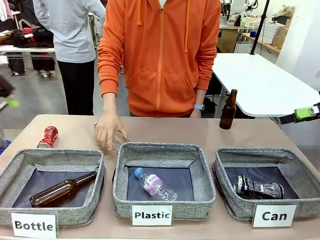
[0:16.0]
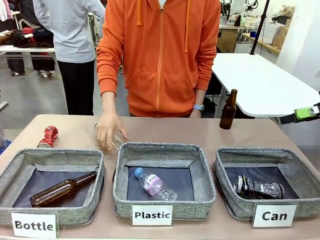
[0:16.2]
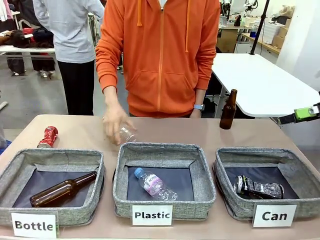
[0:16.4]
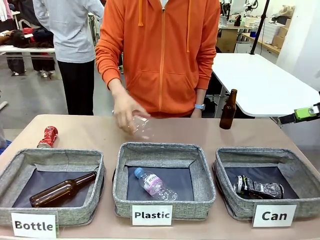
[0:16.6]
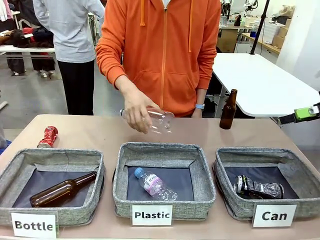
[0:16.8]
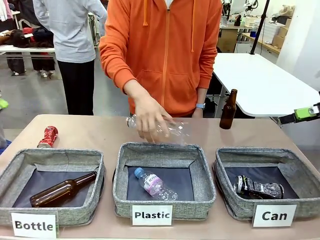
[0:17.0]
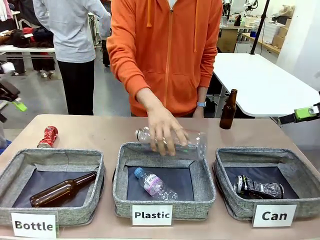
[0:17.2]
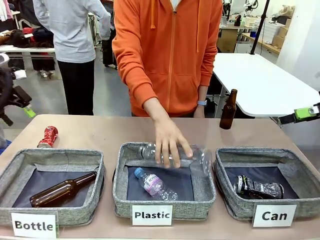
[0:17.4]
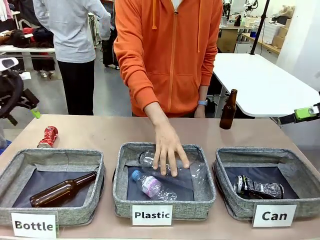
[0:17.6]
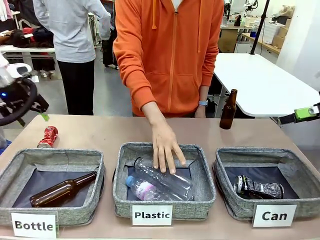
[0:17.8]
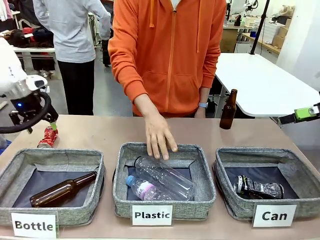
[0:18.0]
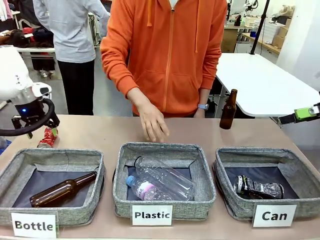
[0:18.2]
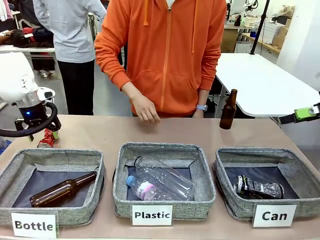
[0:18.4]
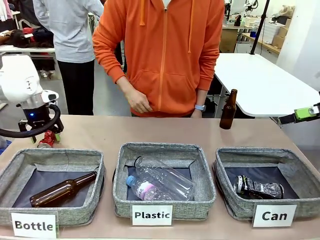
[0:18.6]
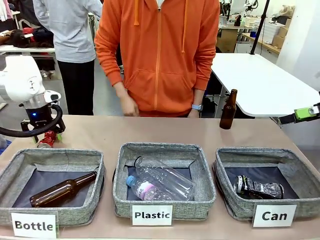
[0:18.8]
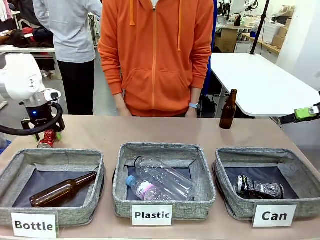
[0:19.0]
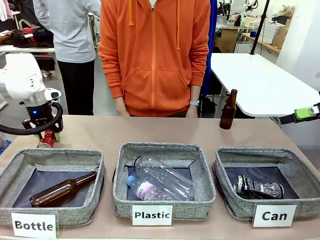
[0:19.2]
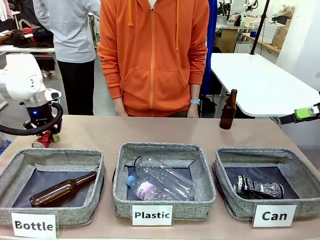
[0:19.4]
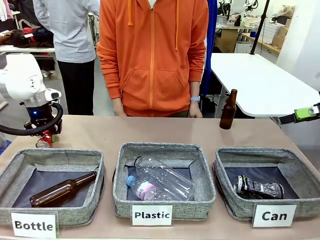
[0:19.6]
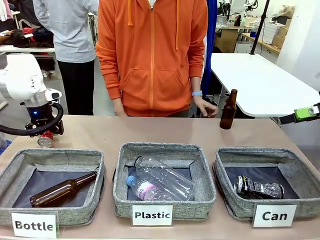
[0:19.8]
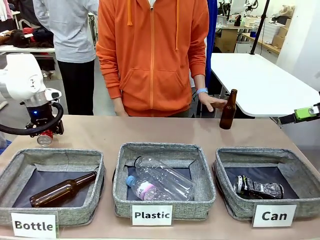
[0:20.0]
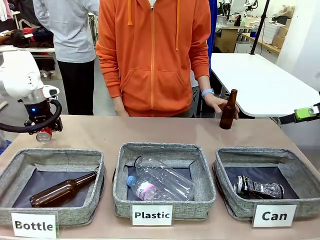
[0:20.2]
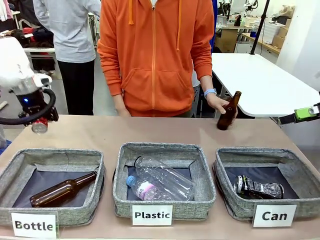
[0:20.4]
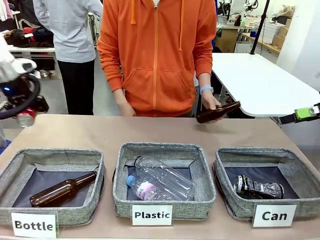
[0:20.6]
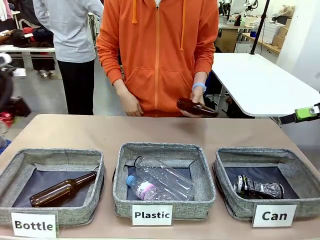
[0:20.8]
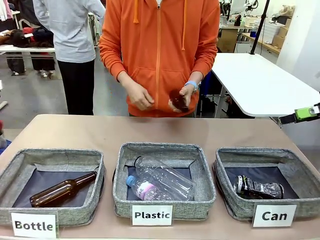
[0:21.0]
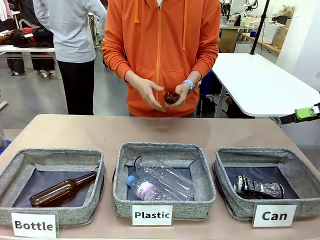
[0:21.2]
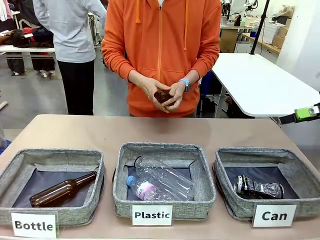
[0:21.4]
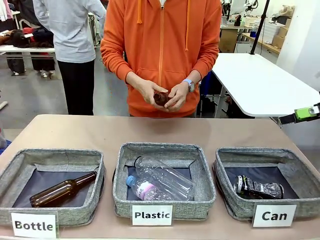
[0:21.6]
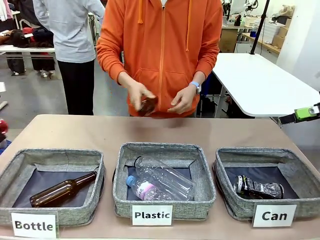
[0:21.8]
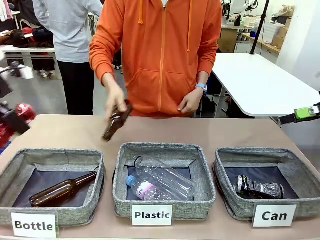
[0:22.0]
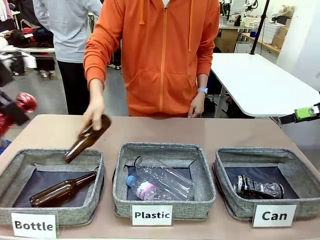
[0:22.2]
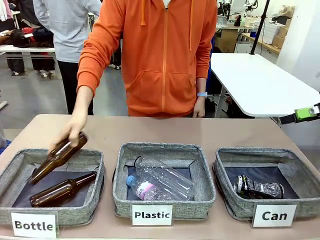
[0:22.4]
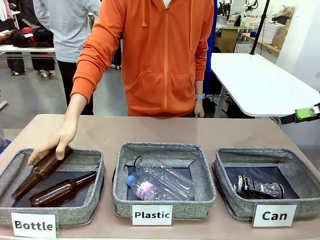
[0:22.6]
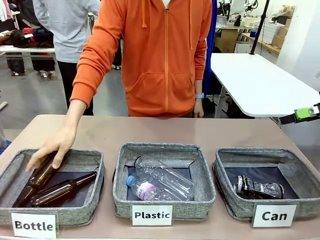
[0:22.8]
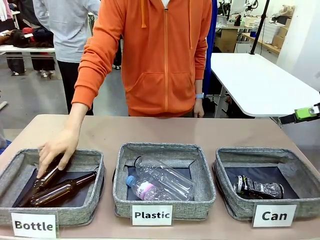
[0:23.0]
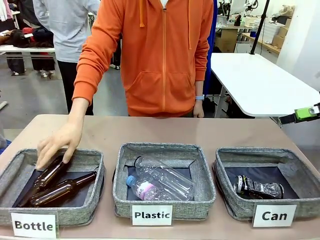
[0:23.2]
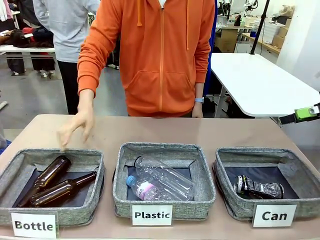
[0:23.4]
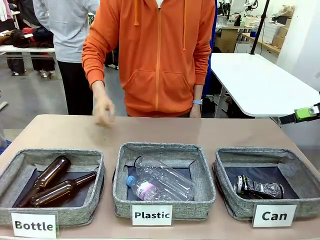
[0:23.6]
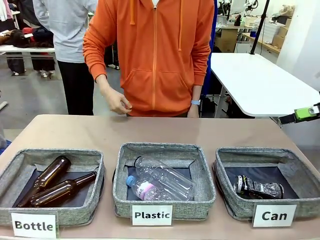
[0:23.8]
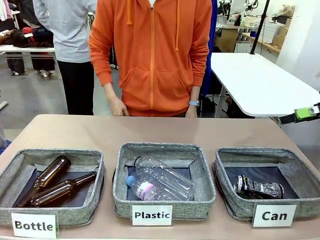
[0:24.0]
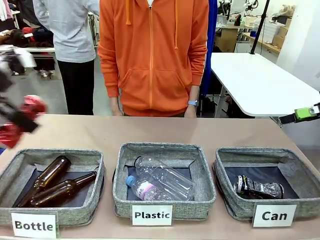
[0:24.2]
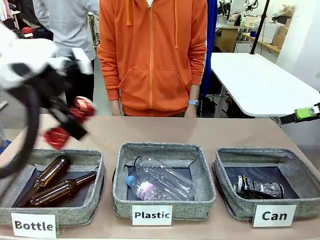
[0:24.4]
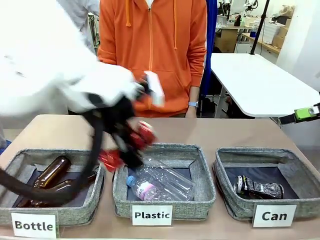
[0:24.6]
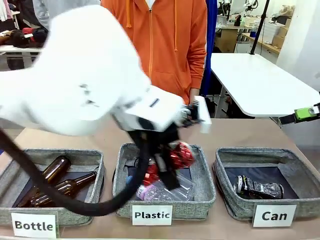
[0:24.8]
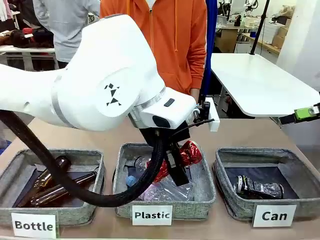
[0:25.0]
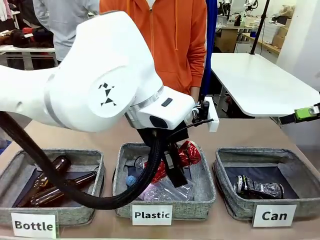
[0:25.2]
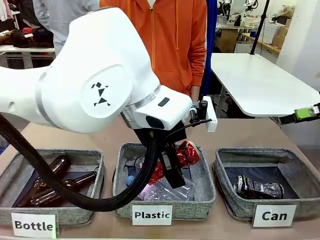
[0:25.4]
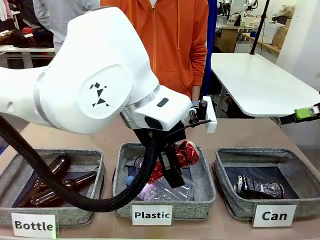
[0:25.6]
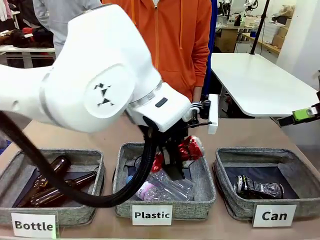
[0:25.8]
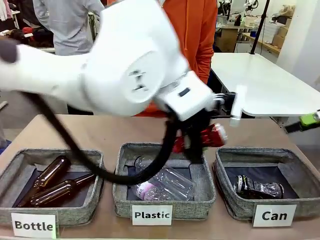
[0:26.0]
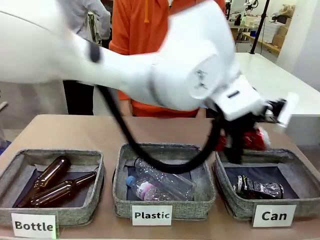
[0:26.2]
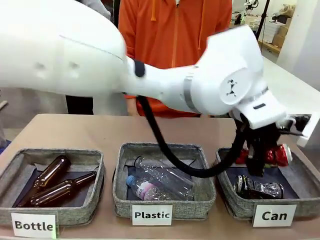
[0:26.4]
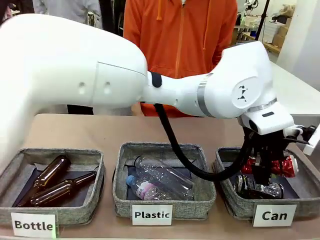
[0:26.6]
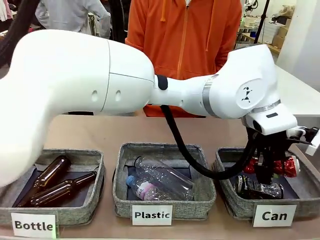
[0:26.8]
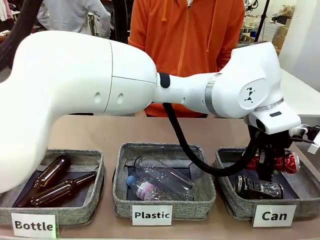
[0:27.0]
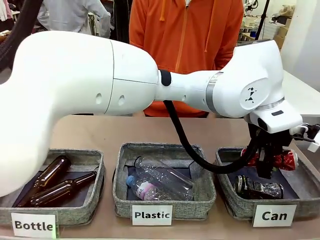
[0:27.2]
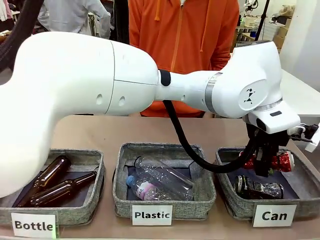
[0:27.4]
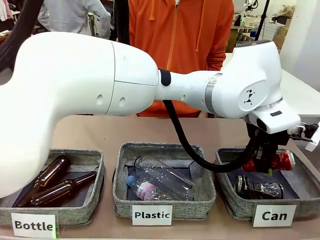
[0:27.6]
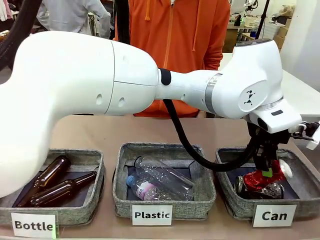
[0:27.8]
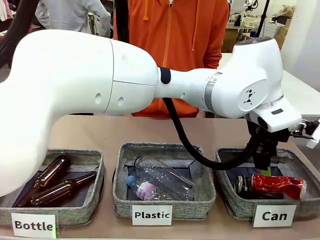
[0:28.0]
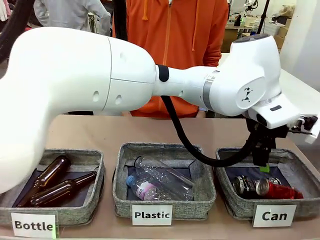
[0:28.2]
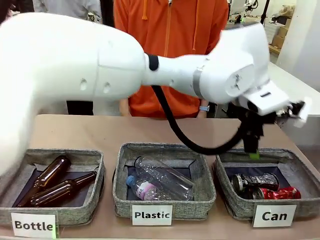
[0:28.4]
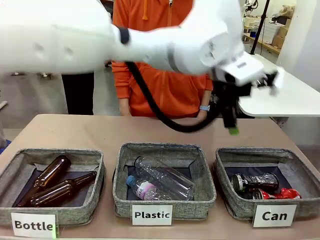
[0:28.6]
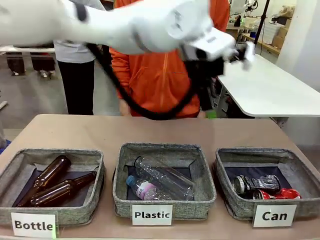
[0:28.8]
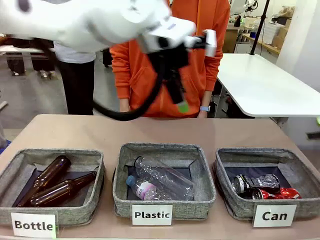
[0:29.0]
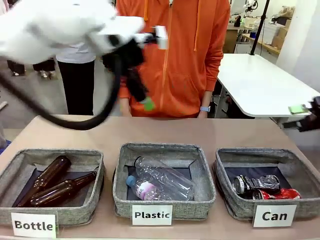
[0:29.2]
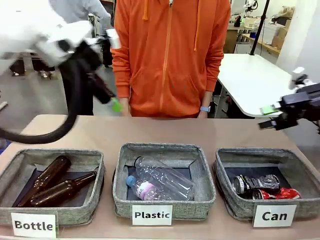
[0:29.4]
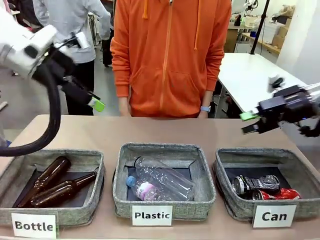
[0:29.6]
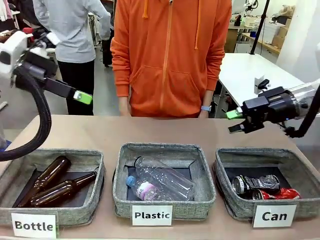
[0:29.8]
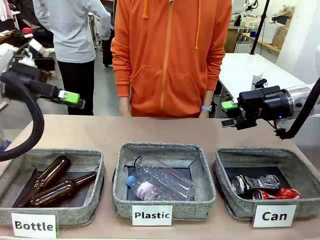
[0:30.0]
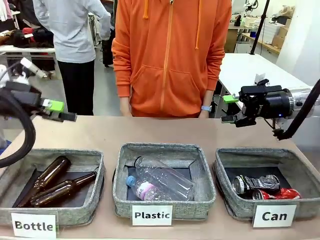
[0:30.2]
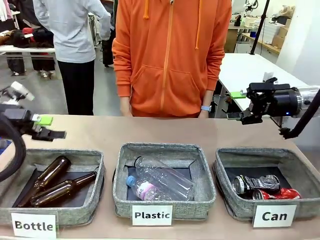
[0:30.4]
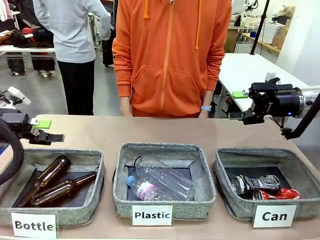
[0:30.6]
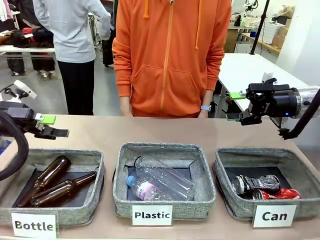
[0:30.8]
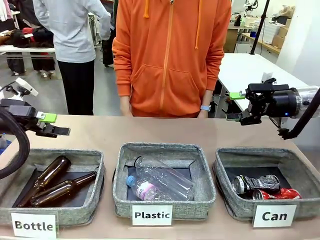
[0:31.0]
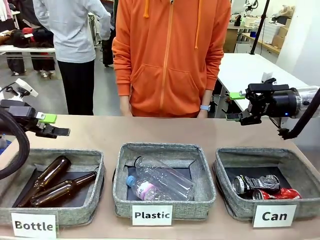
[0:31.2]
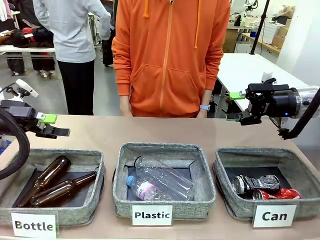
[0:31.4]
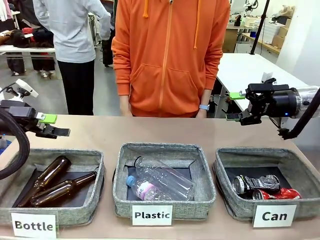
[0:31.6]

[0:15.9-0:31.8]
Task: Sort the can waste into the basket.
Robot: Pick up the can waste from the table and place it in the right Fabric basket.
